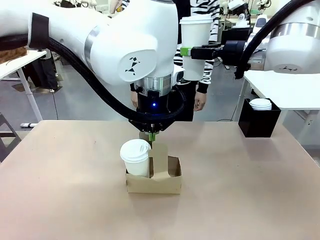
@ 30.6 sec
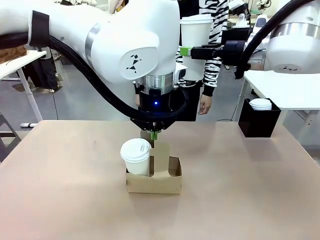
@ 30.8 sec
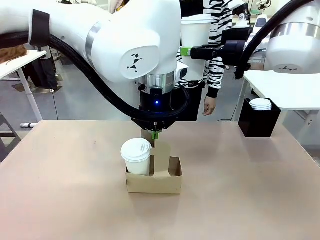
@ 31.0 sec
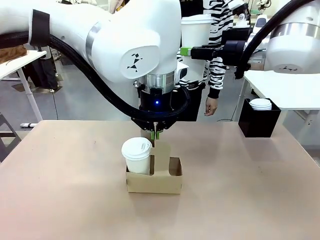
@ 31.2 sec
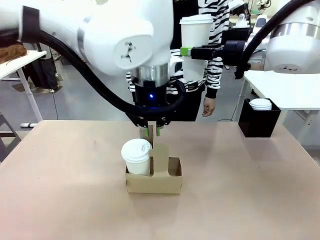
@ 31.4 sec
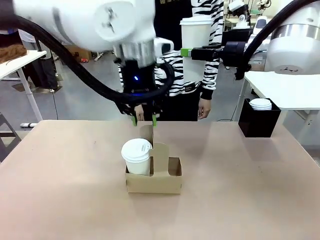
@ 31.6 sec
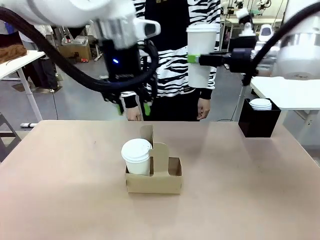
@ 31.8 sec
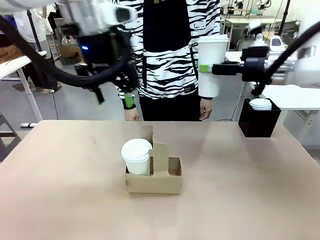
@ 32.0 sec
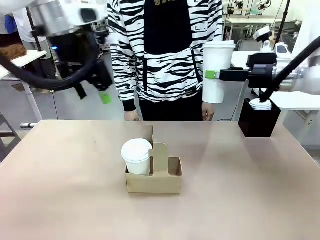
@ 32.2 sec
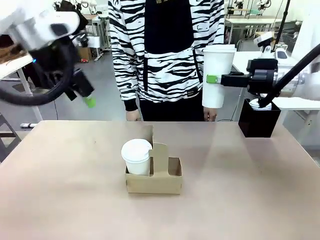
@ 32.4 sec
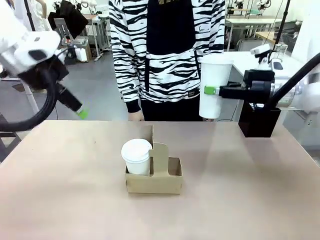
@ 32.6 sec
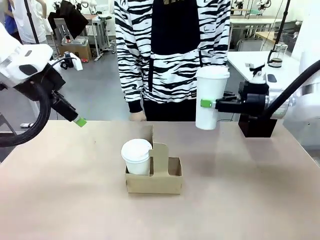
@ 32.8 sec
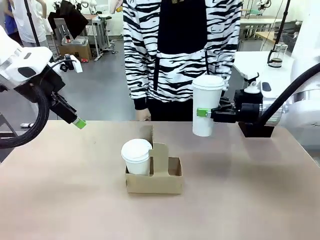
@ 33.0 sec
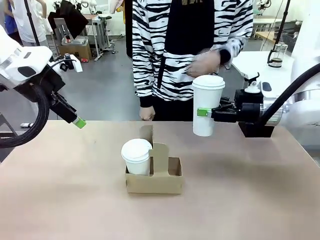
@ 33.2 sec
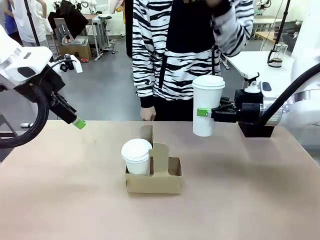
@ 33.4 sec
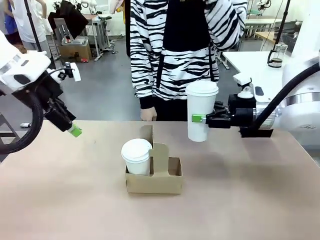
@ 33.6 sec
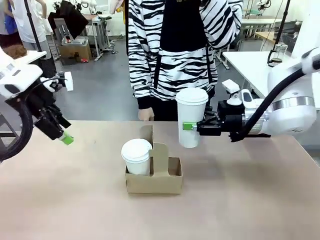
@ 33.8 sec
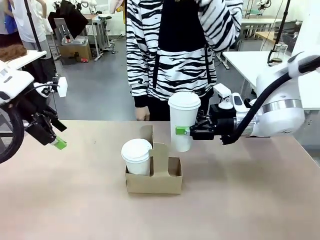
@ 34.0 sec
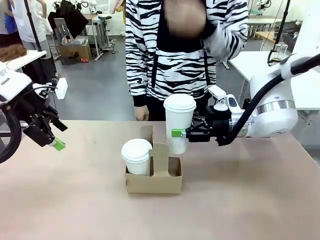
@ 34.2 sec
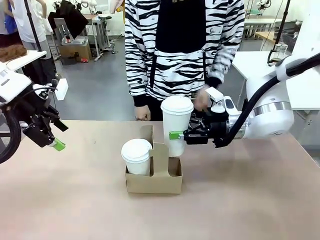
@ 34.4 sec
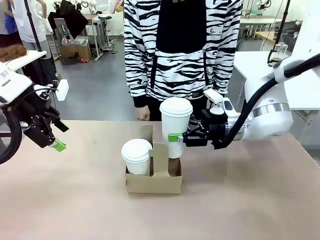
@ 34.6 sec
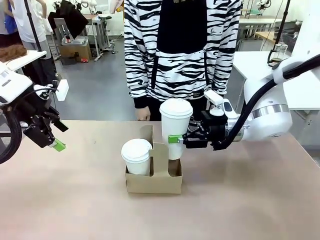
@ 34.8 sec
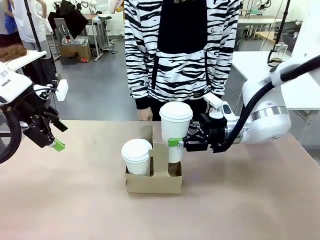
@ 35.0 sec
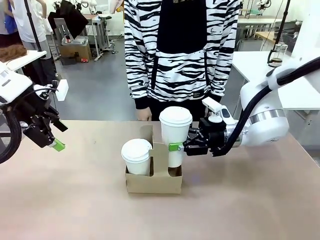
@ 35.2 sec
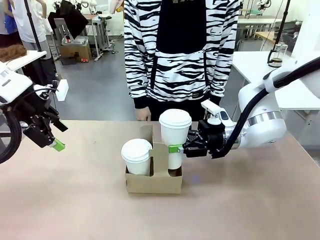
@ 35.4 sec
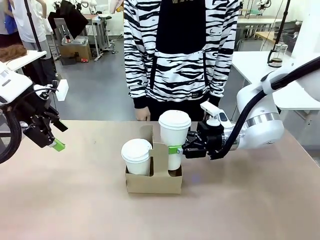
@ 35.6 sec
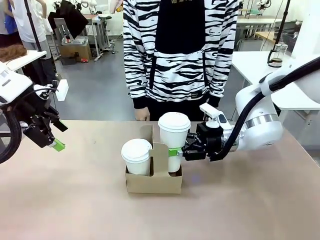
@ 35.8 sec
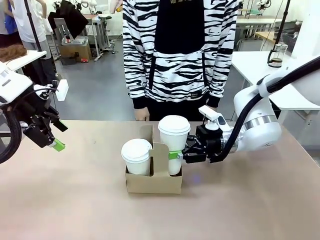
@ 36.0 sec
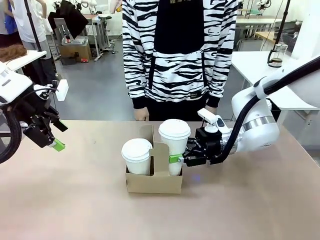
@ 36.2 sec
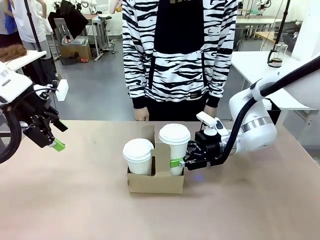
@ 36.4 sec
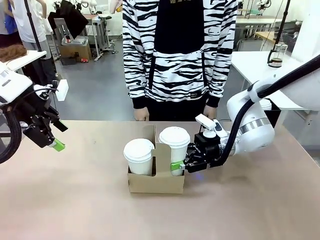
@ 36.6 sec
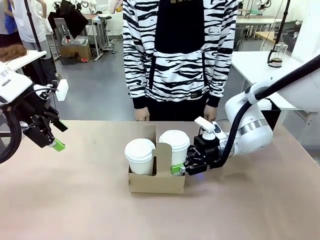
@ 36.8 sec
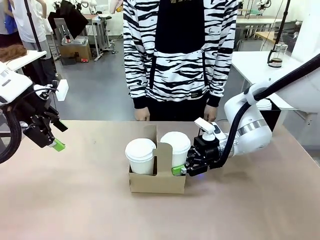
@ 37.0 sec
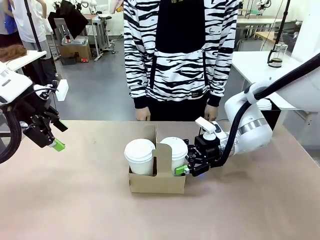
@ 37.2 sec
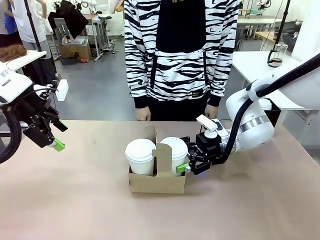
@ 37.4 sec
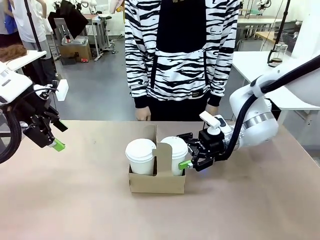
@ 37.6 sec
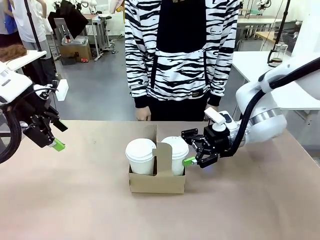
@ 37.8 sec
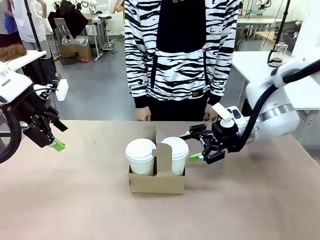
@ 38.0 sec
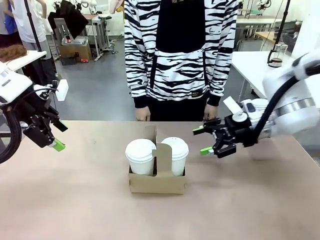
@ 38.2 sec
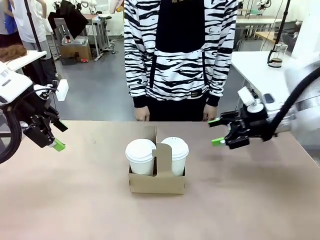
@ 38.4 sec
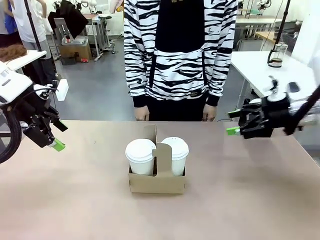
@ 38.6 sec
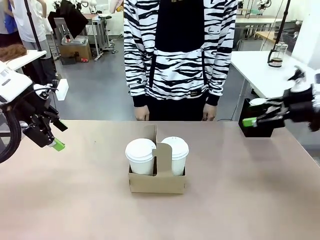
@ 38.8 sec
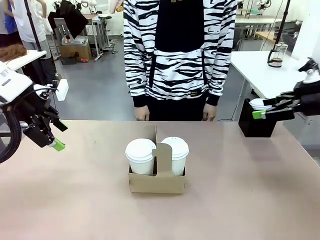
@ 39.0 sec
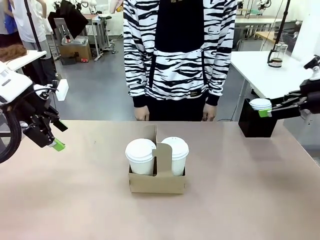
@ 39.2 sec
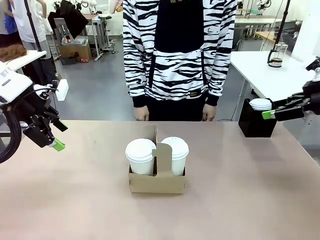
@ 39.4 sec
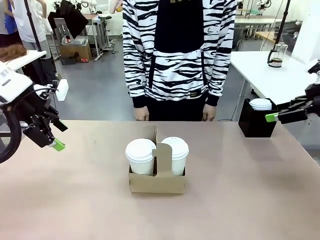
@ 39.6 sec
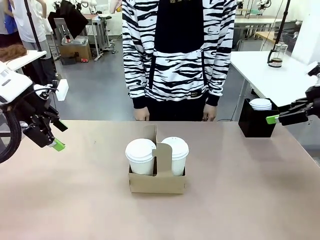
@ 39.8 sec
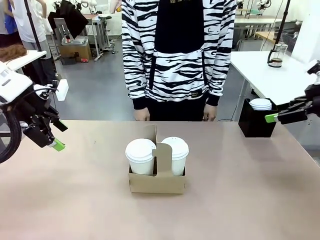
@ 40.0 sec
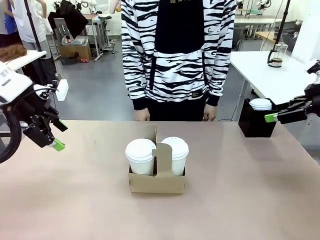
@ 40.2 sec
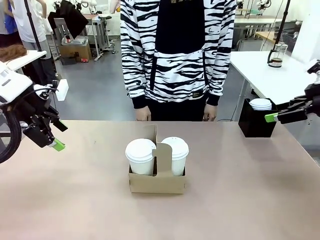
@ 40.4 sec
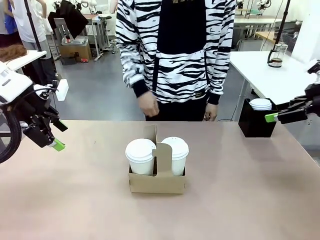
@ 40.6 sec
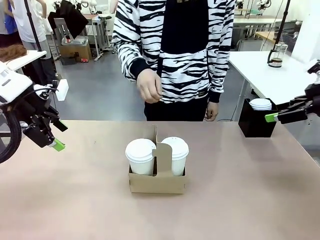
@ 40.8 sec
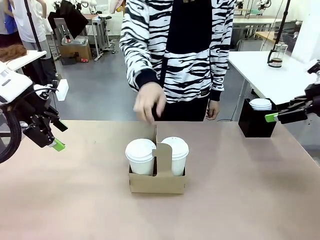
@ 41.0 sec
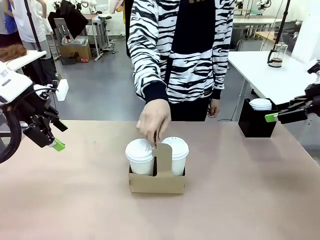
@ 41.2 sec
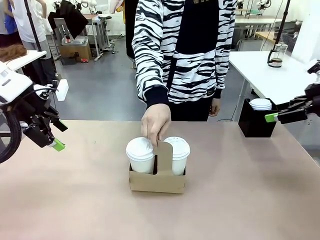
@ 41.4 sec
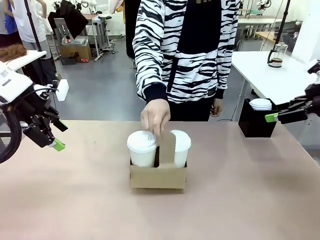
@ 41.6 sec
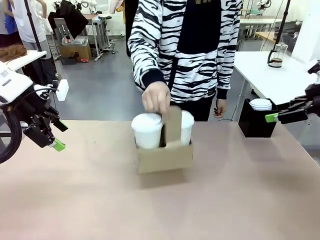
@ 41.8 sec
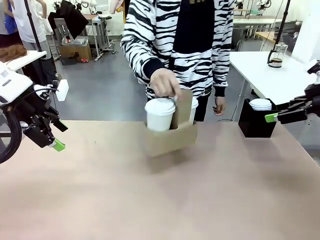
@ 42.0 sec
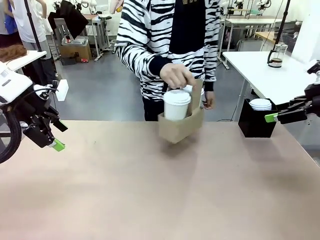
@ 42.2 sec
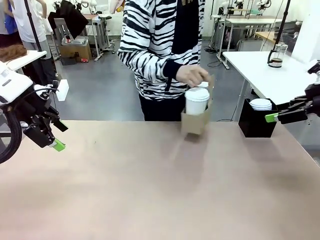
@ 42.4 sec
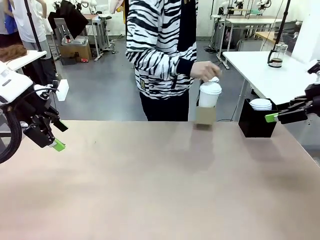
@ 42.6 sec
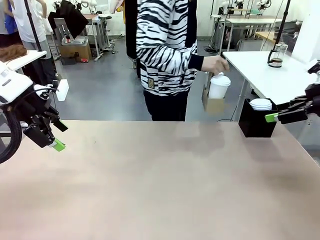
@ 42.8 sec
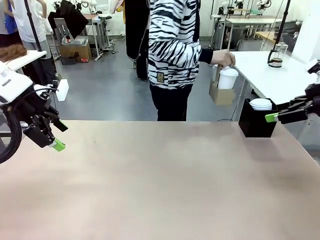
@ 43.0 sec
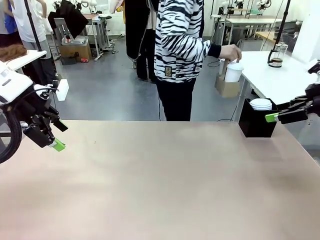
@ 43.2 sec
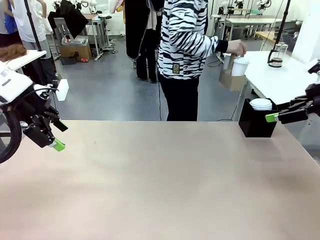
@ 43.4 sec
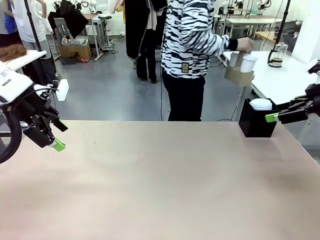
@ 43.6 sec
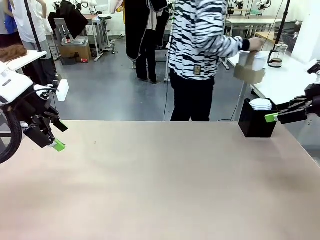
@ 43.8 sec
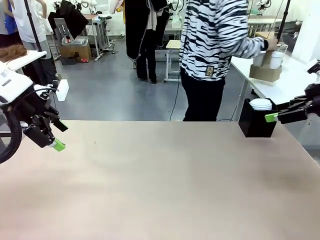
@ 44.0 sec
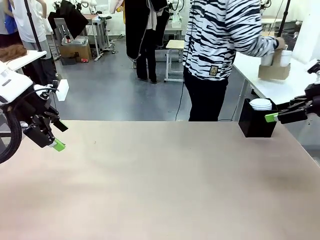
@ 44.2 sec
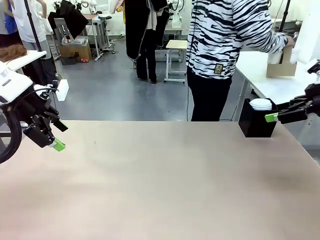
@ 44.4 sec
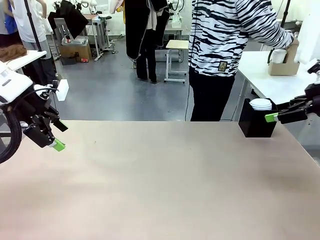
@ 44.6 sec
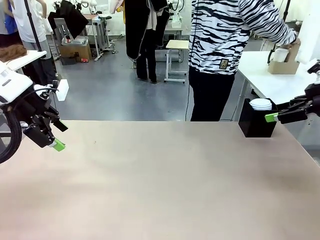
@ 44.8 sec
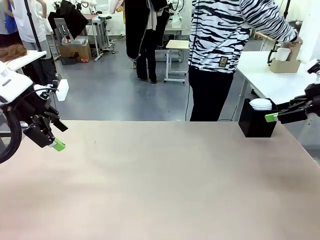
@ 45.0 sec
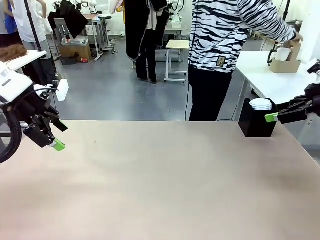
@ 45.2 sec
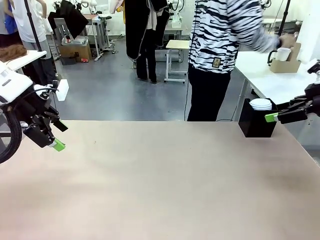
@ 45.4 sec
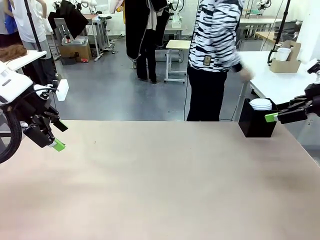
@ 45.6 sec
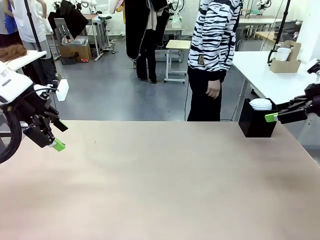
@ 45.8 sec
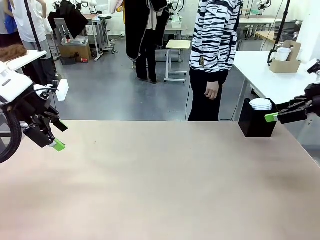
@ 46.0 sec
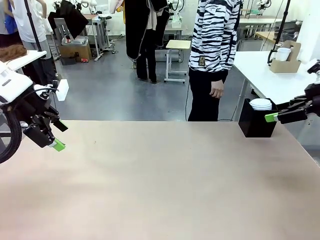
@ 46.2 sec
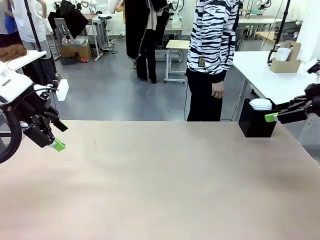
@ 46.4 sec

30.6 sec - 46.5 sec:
Task: Pour a drink into a cup and package it in a carrier.
Robot: Insert the held 600 ml Paper Cup into the Cup Carrier.
Person: Place the Cup Carrier to the middle of Human table.
